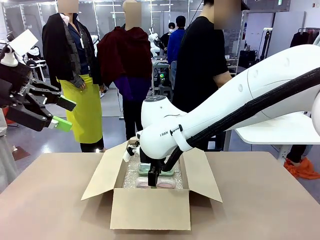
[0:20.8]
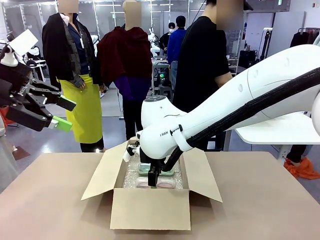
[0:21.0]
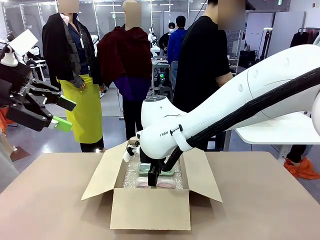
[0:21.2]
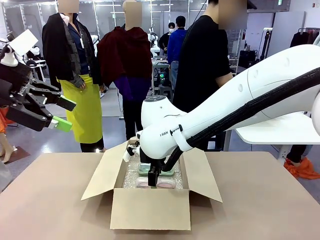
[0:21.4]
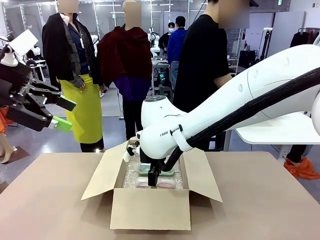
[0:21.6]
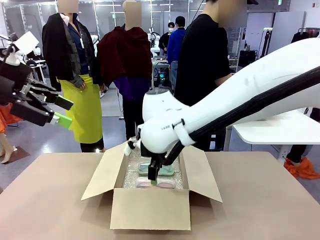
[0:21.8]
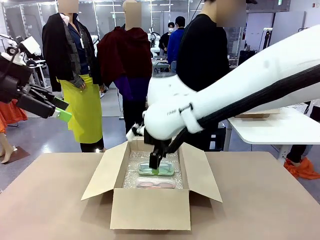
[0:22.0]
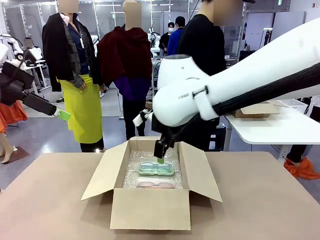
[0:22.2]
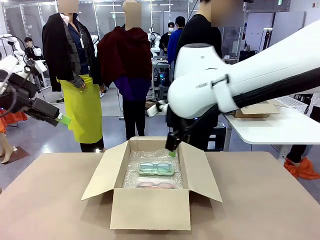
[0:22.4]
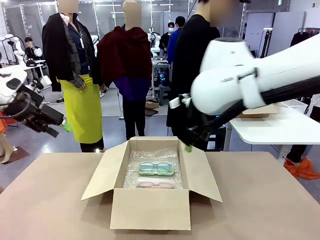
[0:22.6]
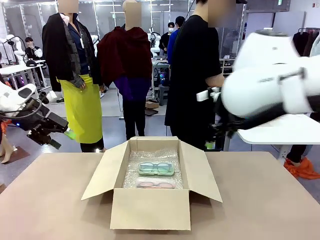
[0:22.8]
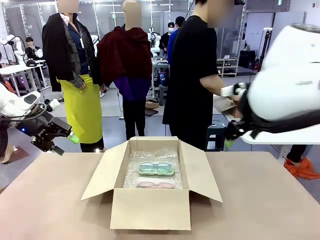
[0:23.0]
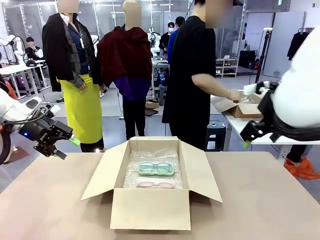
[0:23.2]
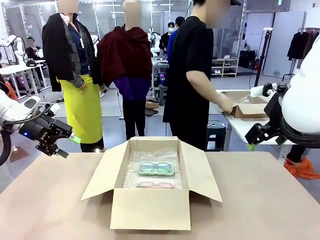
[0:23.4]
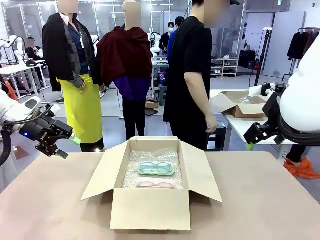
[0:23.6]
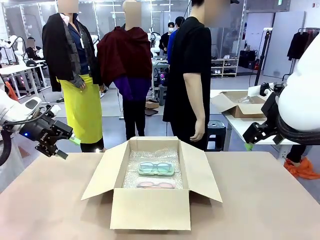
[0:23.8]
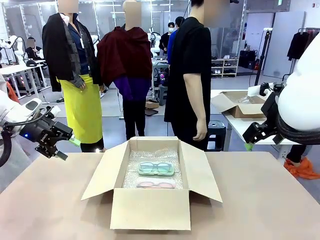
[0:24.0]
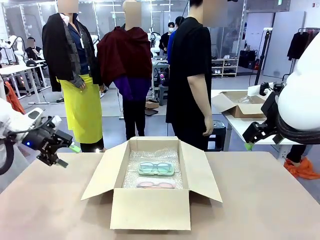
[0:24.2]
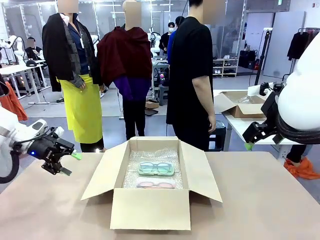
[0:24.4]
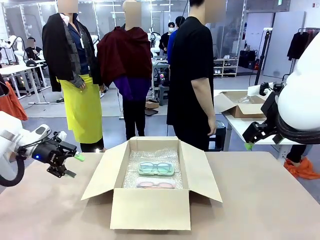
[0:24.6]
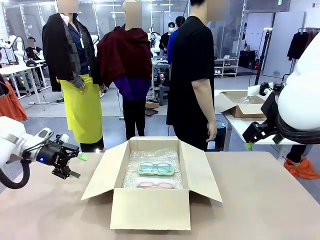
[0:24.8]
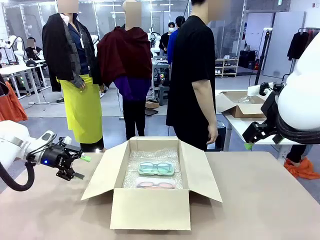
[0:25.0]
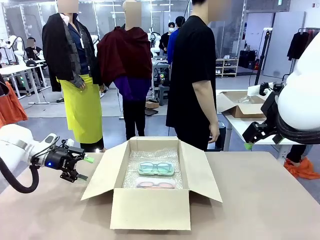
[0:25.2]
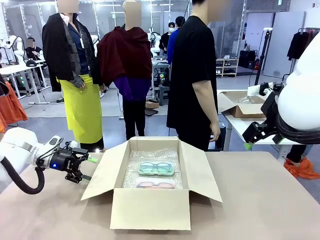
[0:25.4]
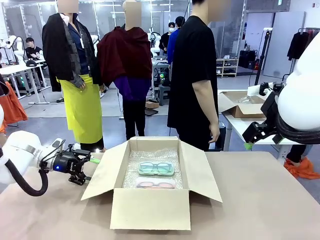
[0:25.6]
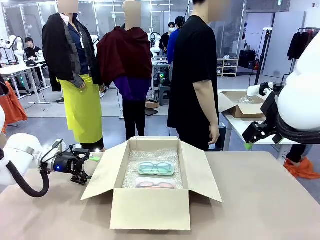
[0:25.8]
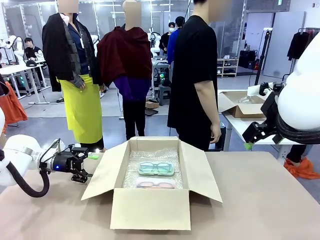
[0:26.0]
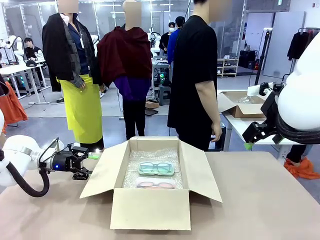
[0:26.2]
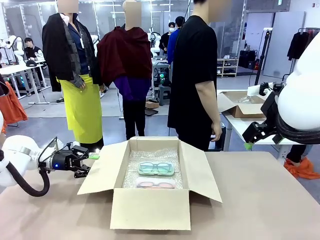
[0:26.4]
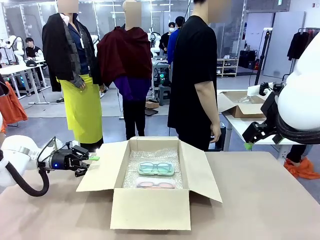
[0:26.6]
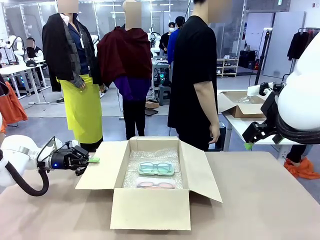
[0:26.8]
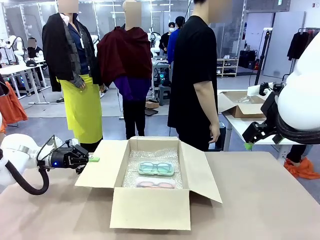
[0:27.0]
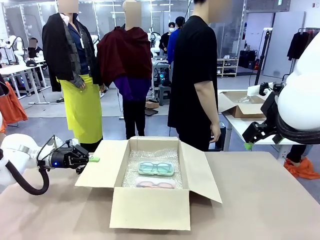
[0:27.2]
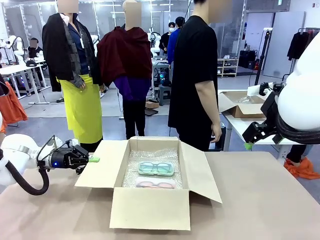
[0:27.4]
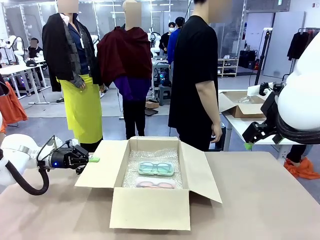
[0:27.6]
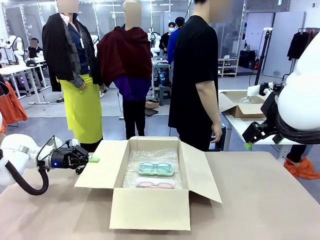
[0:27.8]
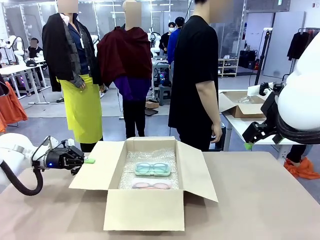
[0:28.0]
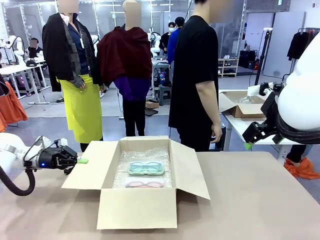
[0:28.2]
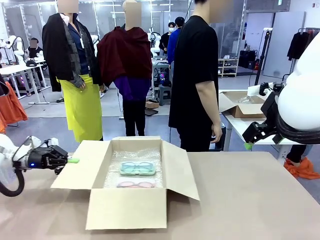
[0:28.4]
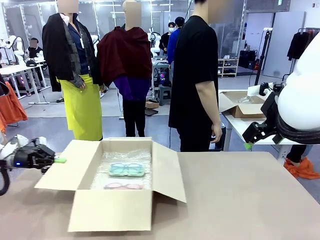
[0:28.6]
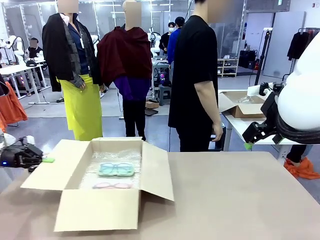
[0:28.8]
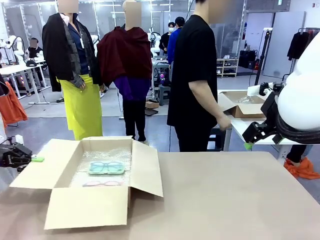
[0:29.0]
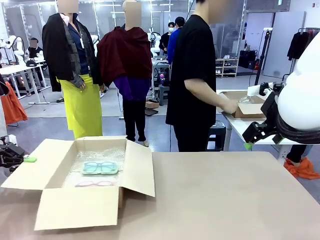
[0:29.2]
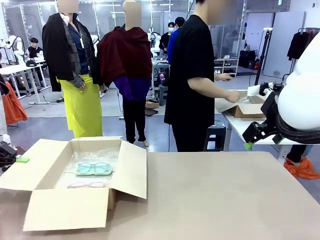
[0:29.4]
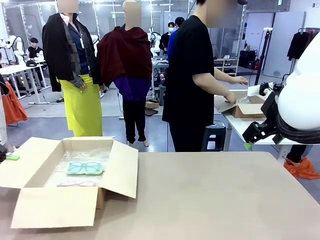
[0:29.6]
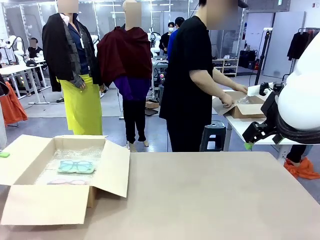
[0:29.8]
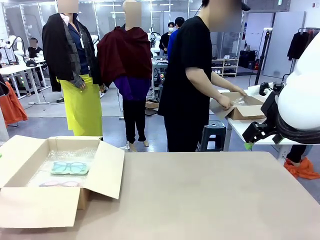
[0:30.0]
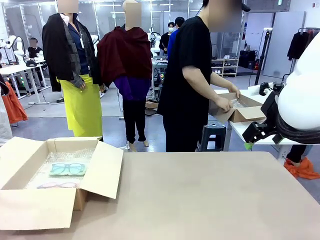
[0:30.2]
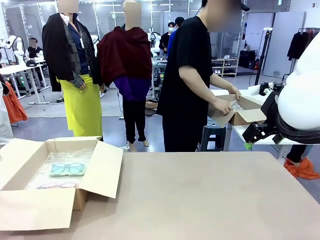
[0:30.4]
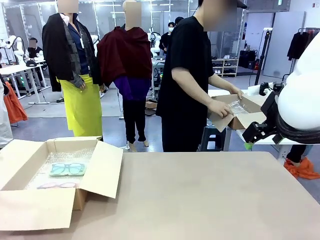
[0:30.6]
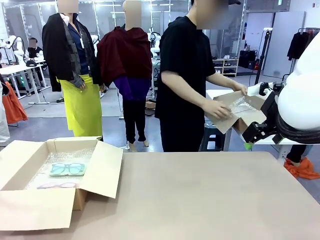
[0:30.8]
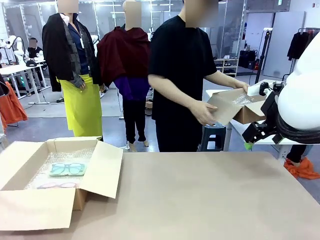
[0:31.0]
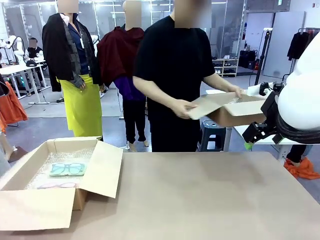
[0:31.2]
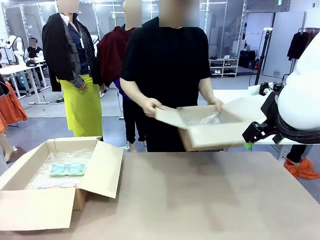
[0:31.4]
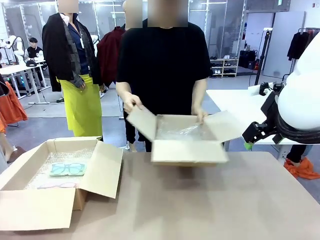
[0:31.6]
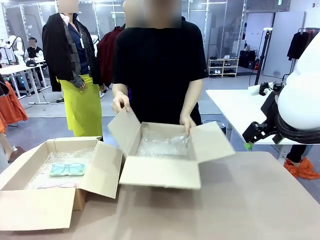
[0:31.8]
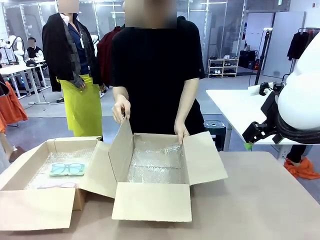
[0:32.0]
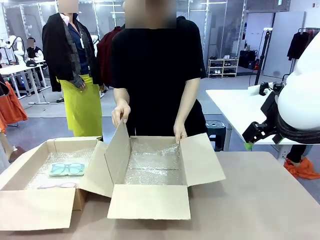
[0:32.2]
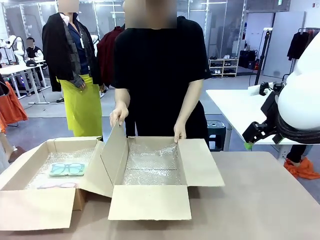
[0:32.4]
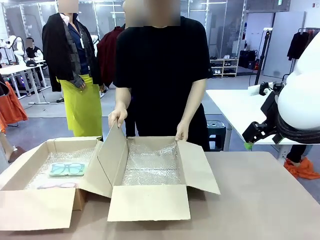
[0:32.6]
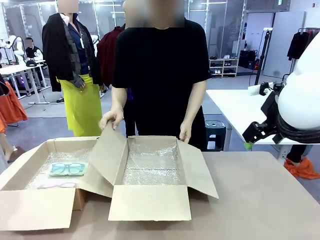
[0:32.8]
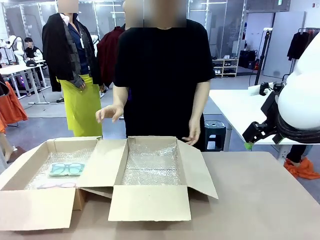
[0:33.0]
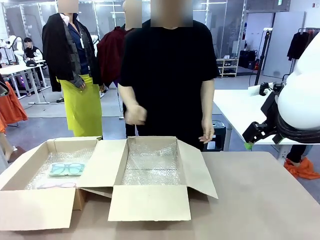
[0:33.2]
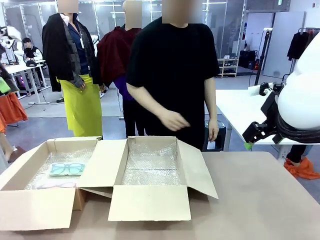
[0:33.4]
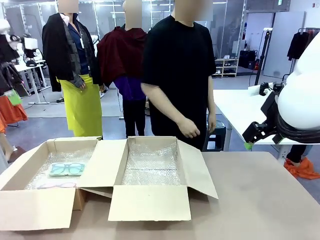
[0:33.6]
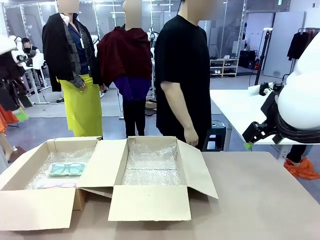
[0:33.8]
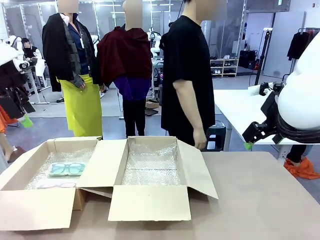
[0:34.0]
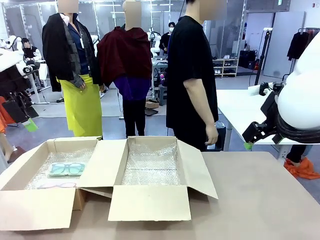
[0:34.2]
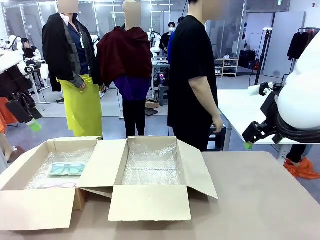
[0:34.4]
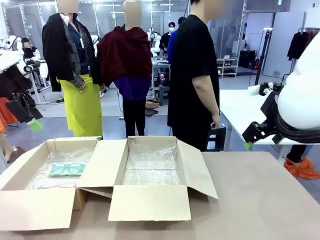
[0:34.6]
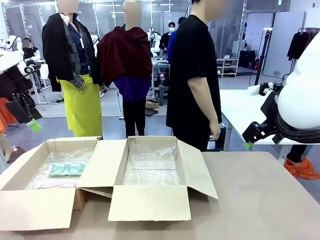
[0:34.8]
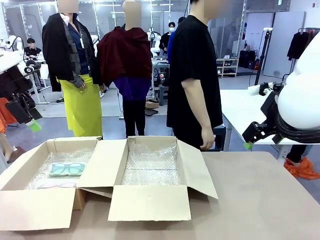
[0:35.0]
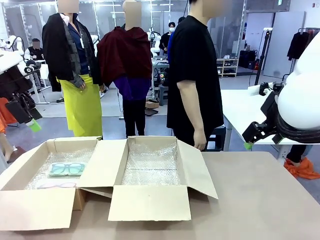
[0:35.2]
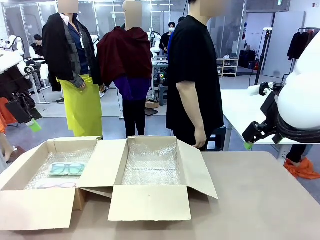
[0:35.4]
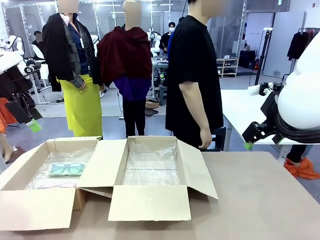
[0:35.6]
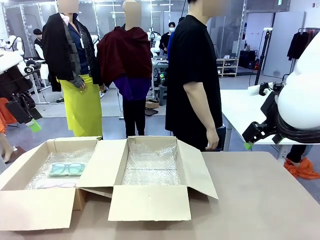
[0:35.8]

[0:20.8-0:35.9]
Task: Pack the glasses set securely to prepare it for shipping.
Robot: Position the Package Box on the left side of the table.
Person: Position the empty Package Box in the middle of the robot's table.
